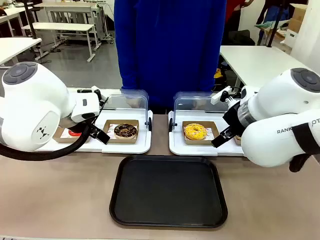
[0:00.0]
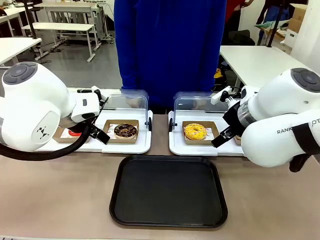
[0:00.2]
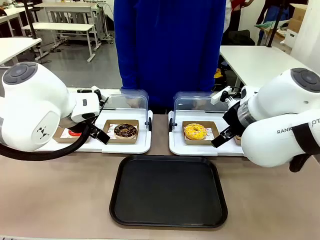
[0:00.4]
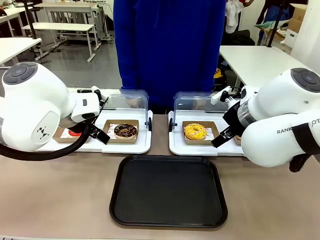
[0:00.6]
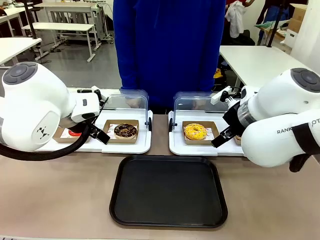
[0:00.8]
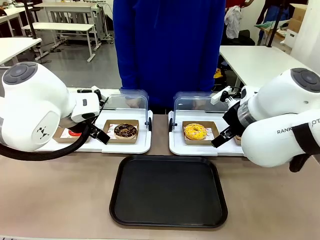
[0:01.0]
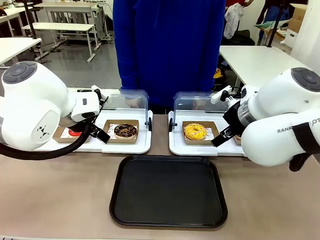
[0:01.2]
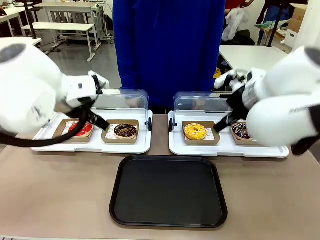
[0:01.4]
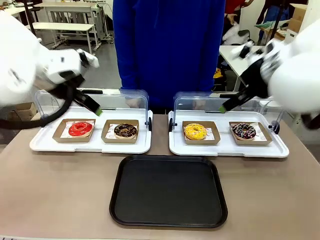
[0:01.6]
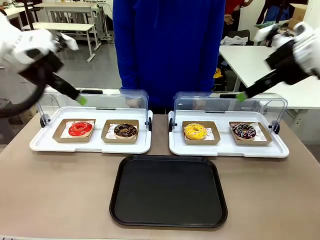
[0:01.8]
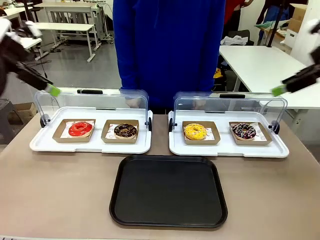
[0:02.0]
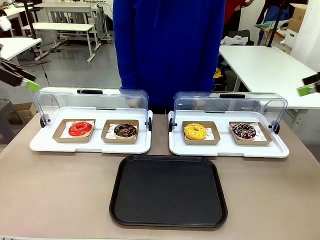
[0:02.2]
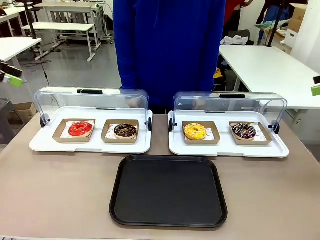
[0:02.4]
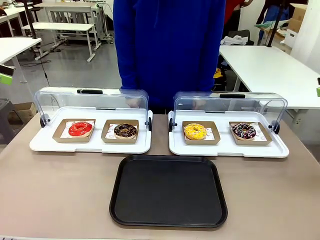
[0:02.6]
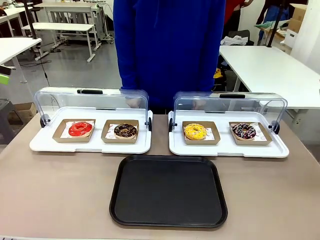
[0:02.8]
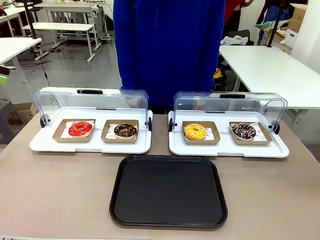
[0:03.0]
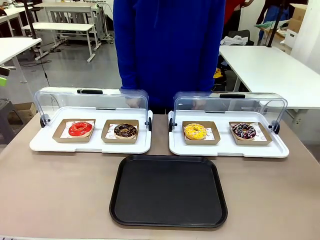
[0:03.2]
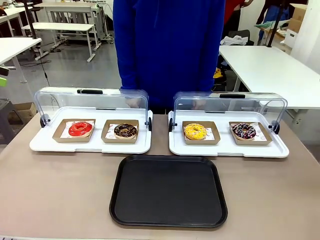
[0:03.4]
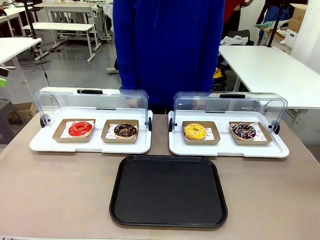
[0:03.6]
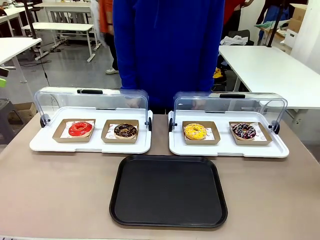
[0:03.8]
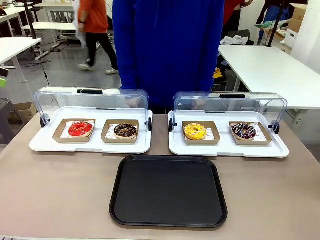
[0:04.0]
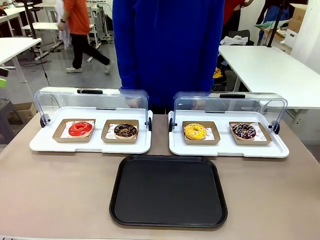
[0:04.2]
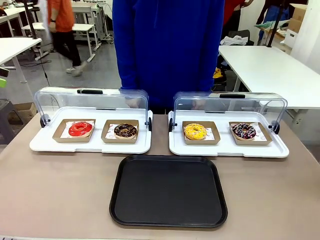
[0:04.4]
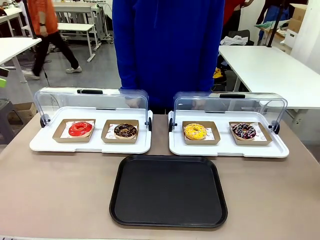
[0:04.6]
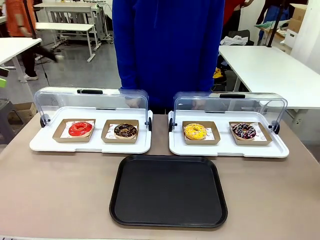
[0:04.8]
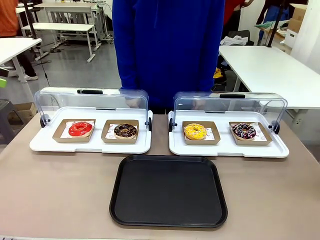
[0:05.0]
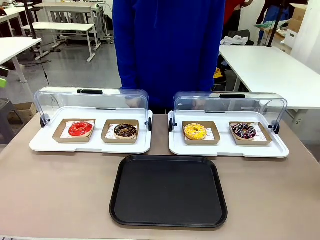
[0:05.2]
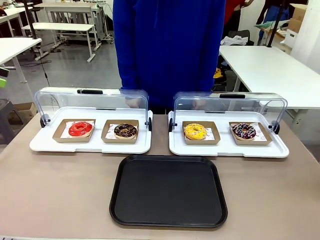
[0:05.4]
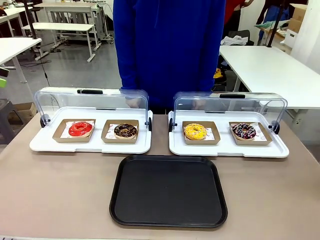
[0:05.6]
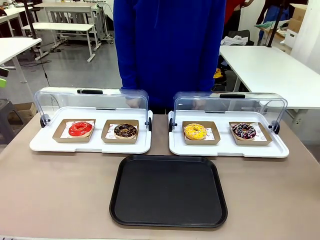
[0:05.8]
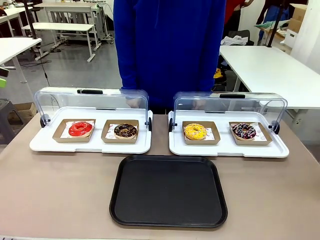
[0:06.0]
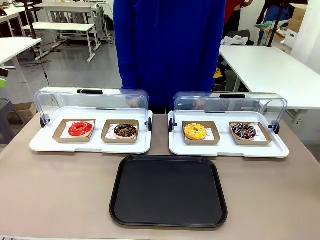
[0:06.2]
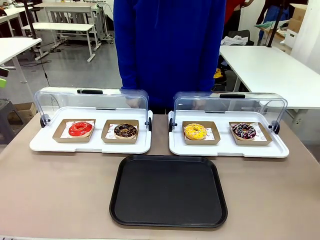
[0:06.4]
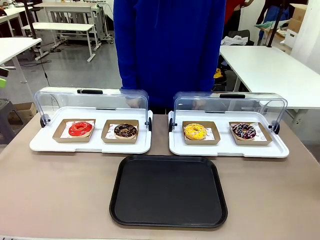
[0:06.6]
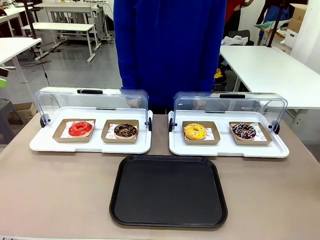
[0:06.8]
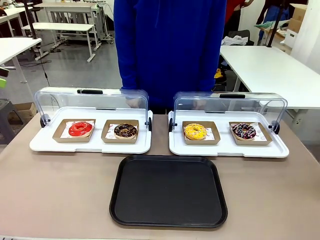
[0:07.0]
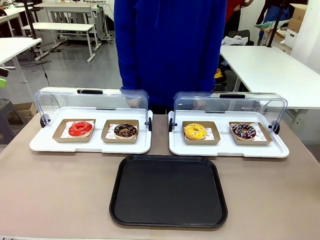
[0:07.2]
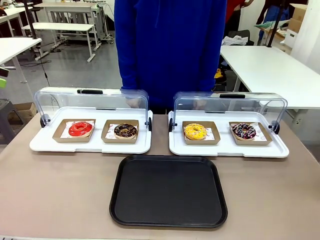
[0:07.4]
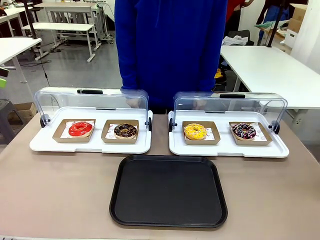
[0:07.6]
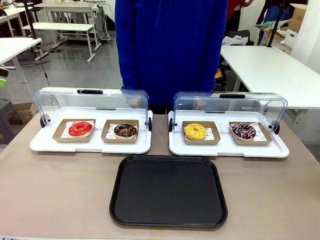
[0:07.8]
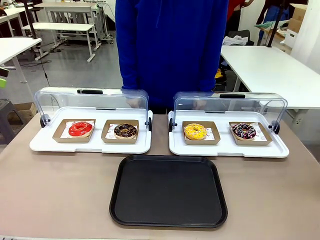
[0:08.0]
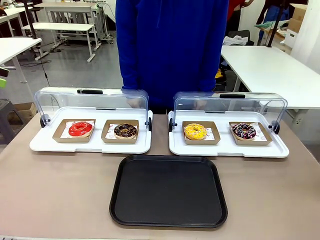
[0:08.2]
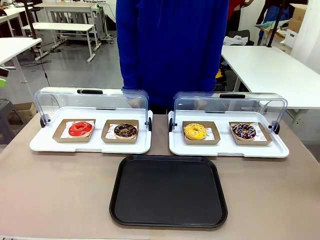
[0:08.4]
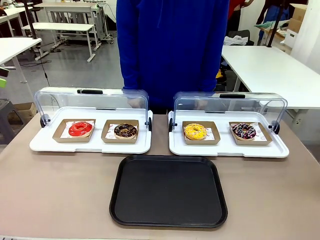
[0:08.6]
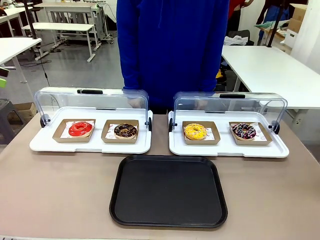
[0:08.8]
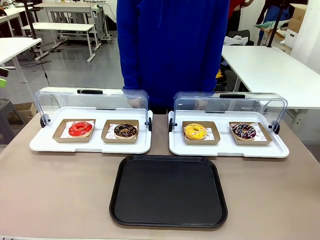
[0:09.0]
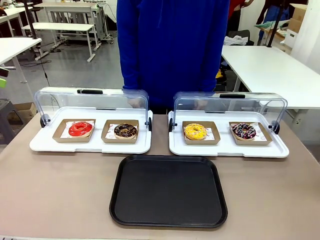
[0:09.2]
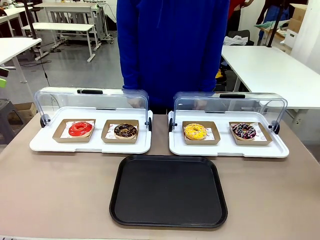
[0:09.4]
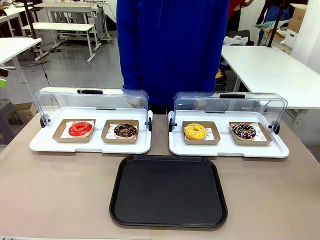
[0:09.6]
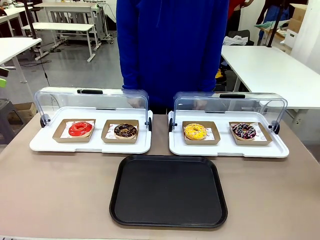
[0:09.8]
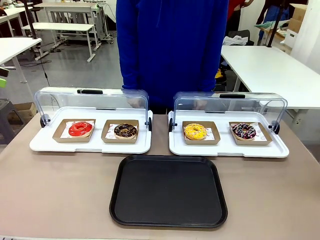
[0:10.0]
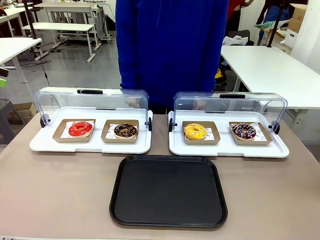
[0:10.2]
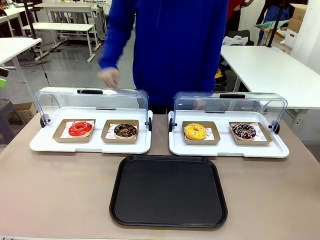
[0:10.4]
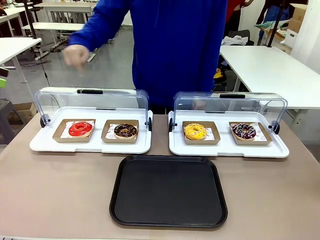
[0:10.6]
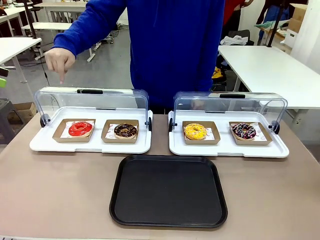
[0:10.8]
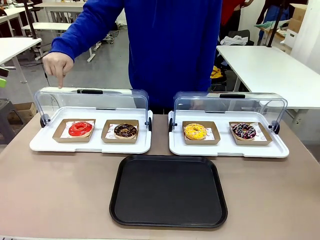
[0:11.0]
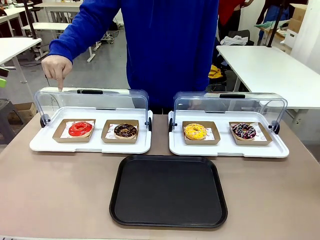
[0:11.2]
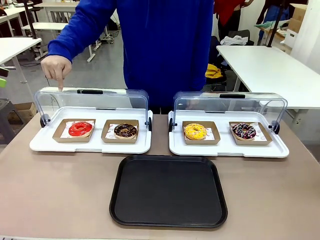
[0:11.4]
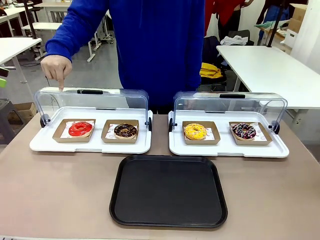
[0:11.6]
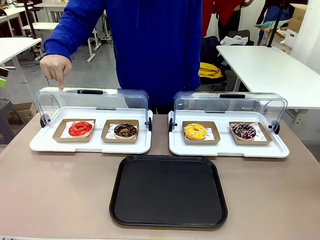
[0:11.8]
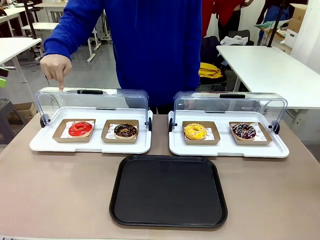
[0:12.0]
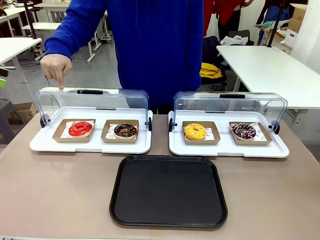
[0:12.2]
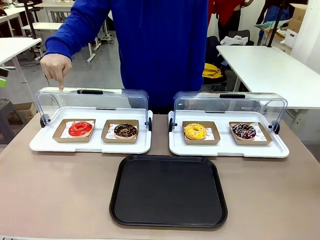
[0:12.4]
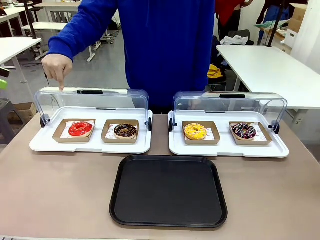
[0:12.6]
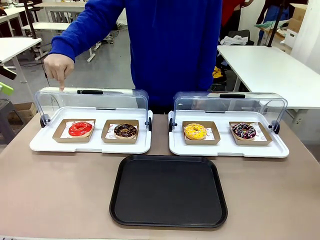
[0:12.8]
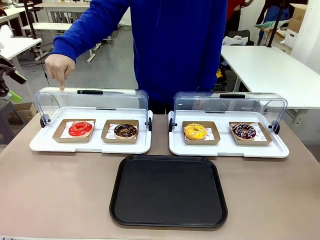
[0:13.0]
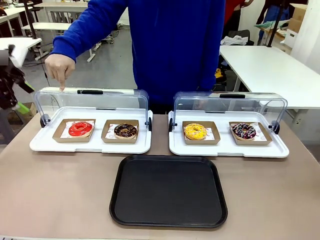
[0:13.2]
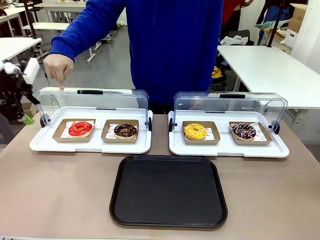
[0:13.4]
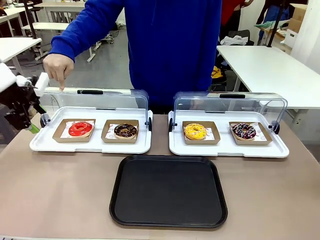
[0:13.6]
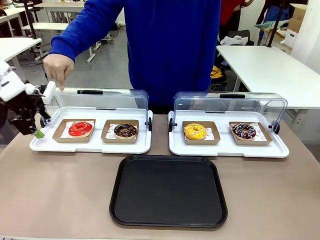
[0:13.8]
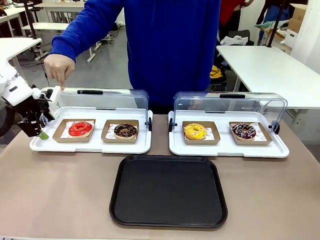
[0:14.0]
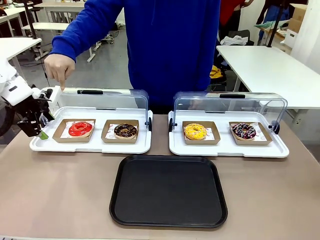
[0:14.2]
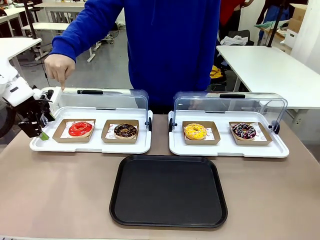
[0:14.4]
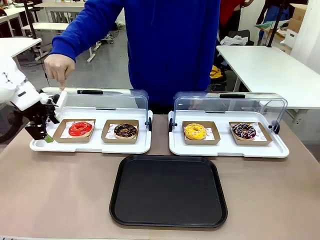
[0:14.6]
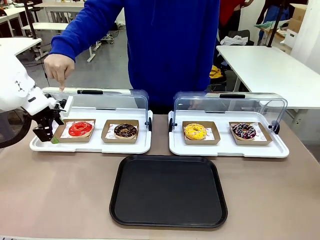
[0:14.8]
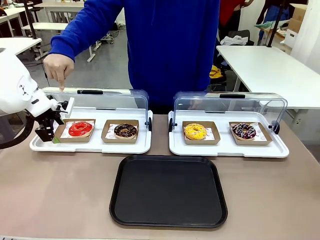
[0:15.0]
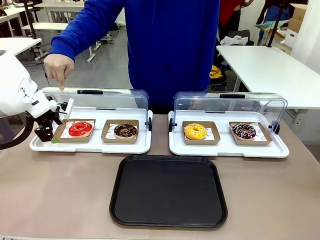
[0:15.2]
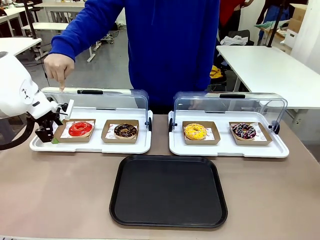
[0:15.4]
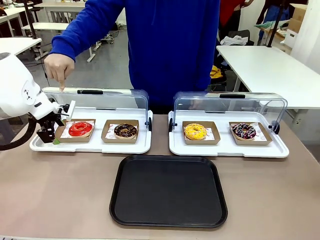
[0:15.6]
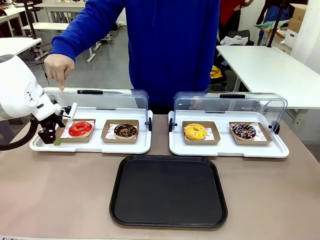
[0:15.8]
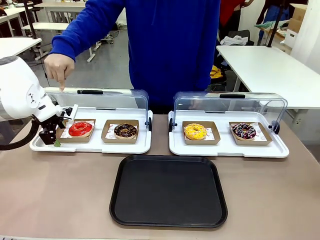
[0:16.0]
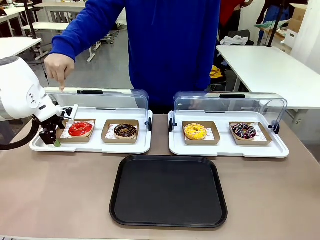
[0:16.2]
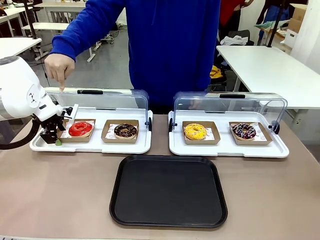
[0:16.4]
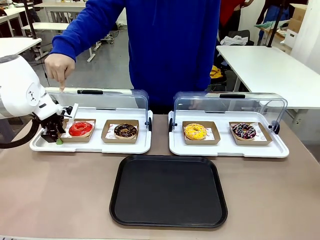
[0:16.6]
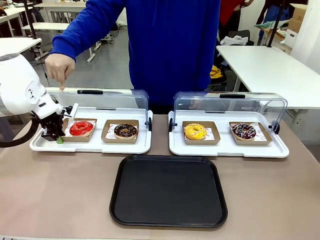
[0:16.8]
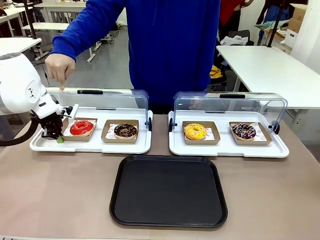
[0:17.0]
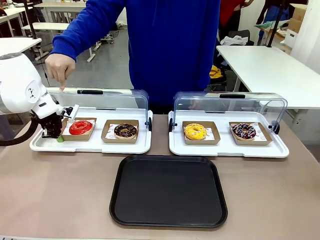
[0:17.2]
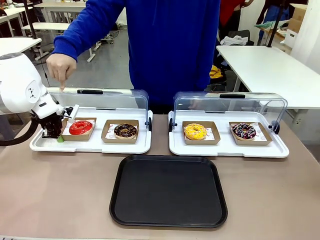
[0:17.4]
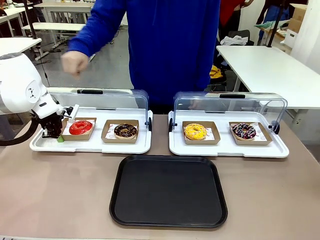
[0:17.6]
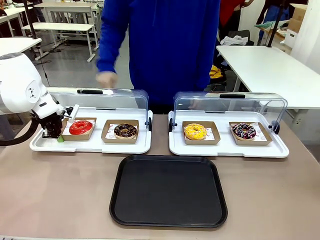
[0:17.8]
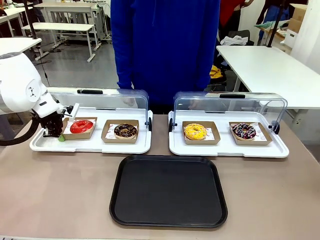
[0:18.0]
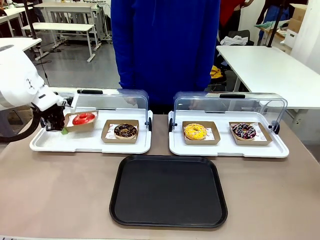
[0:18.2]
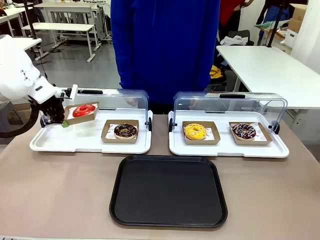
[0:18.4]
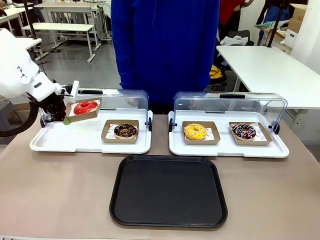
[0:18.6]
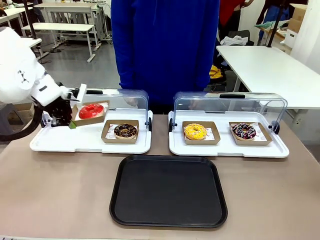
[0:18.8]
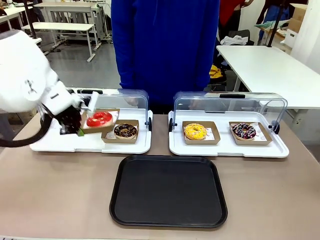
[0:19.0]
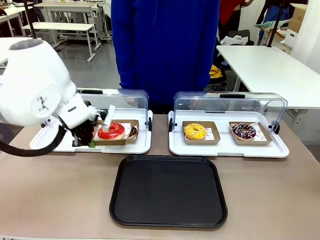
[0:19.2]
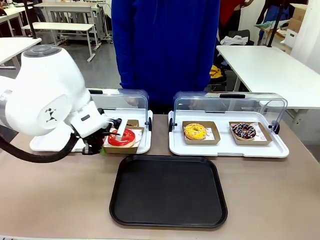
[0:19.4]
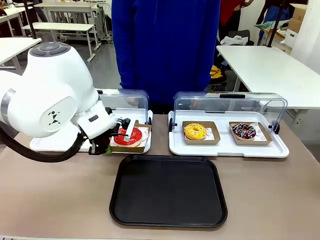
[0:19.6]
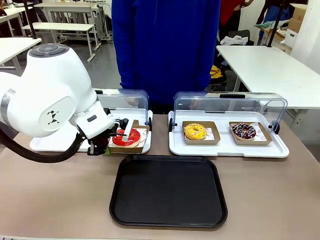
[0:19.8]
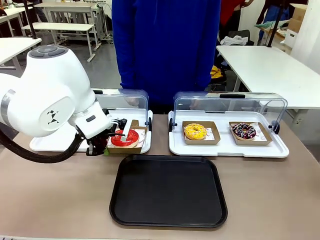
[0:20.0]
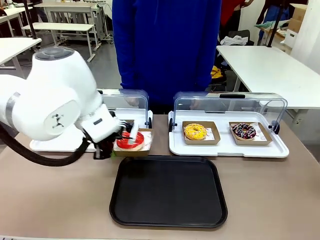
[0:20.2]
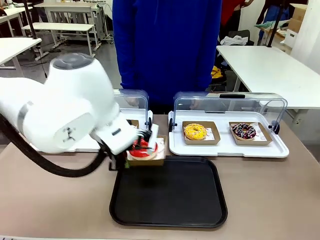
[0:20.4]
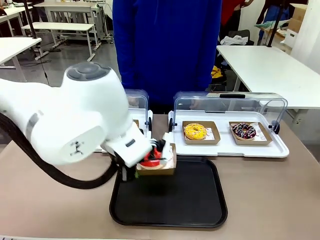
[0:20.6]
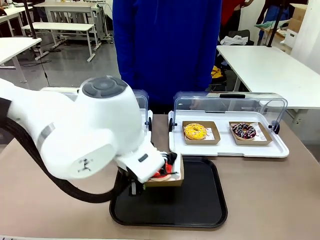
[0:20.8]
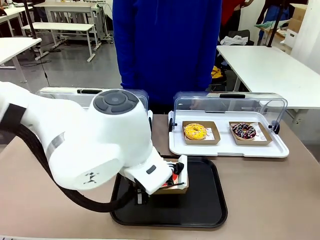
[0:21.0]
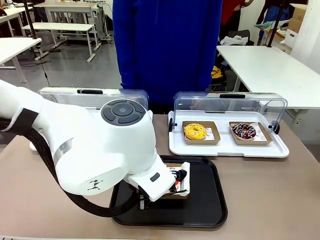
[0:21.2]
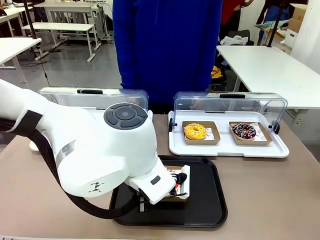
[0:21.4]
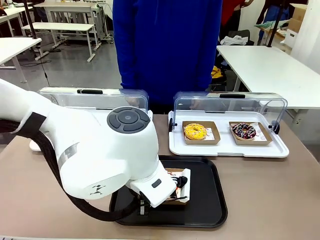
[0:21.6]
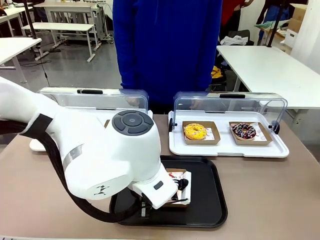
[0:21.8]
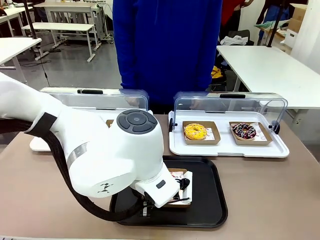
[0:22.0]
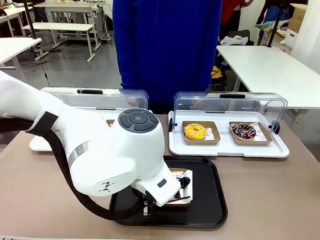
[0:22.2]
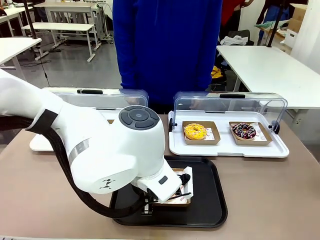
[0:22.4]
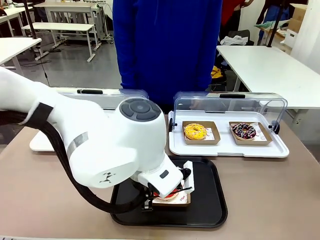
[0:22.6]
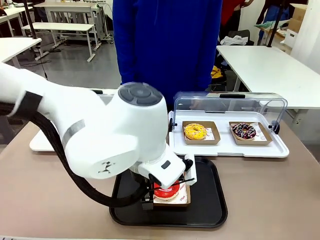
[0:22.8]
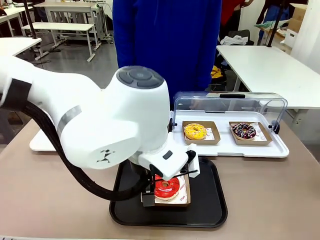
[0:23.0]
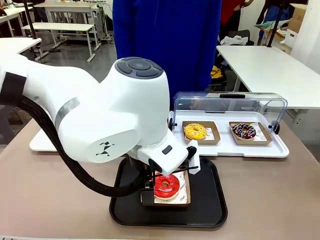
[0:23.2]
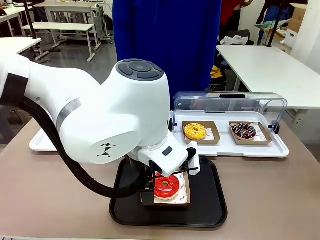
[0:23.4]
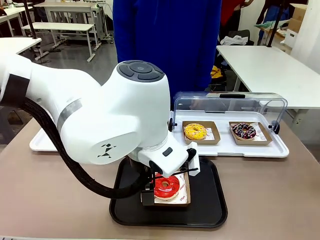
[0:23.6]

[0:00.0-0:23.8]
Task: Move the first donut from the left to the tray.
Robot: Pick up the Paper togo box containing the Donut indicated by the person and place it on the Handle tray.
Person: Points to the first donut from the left from the robot’s perspective.
